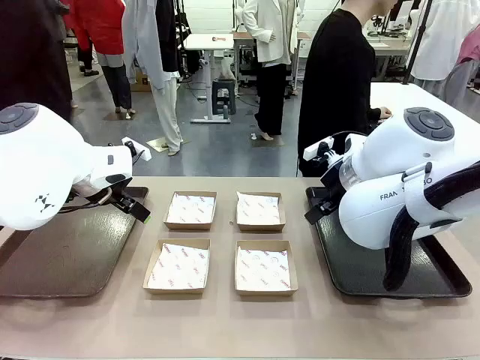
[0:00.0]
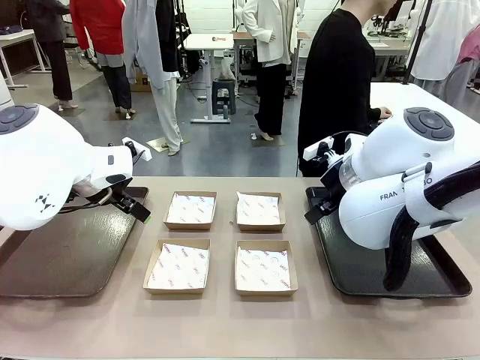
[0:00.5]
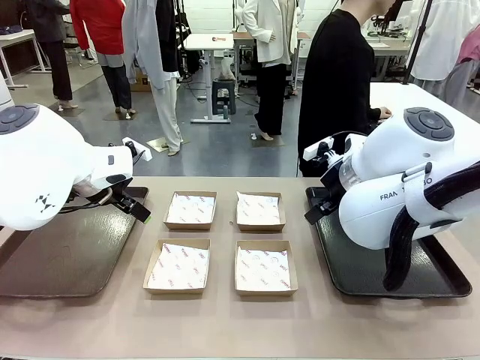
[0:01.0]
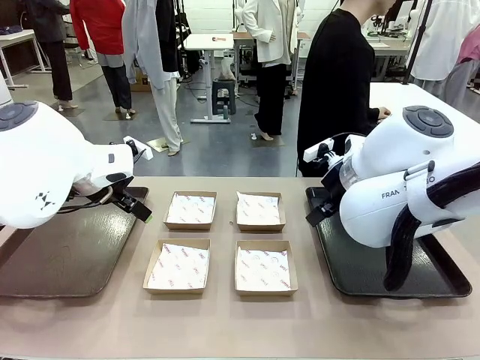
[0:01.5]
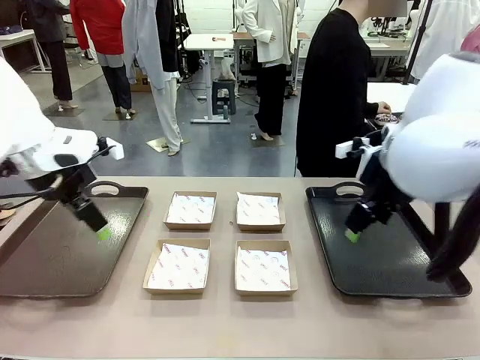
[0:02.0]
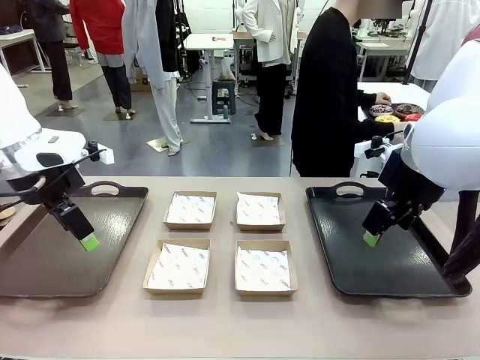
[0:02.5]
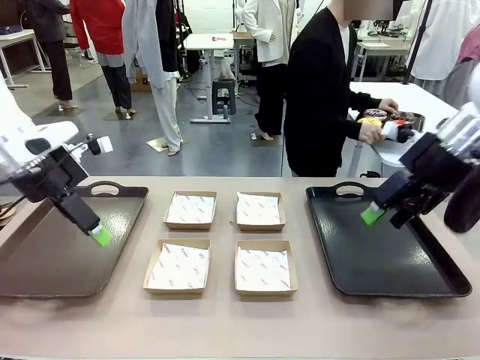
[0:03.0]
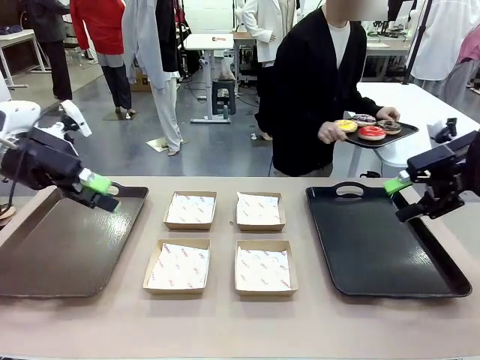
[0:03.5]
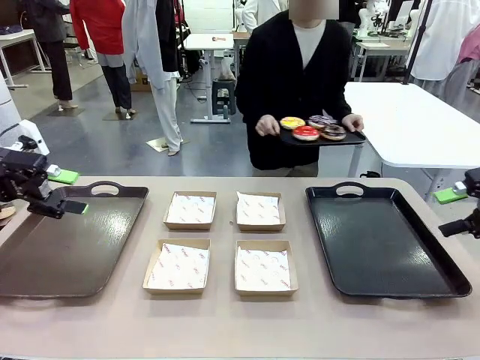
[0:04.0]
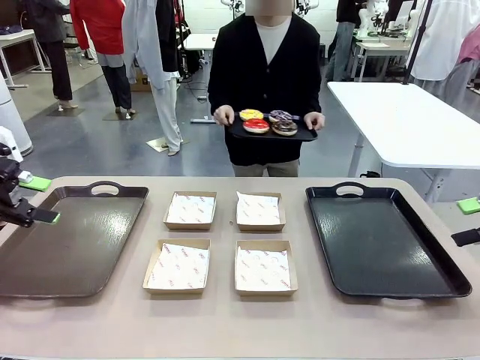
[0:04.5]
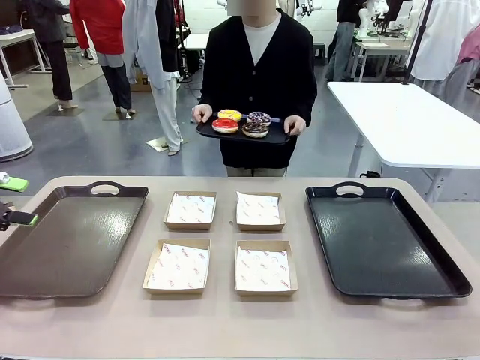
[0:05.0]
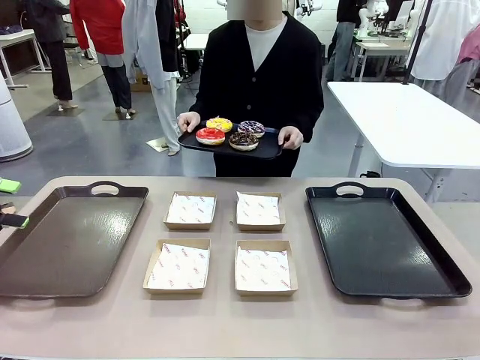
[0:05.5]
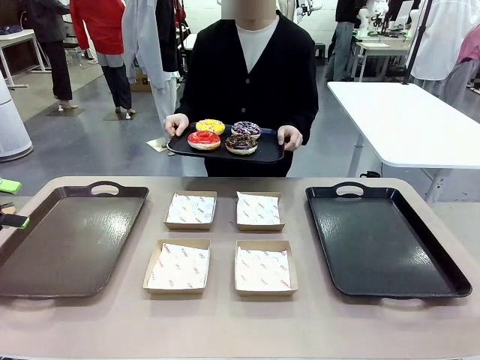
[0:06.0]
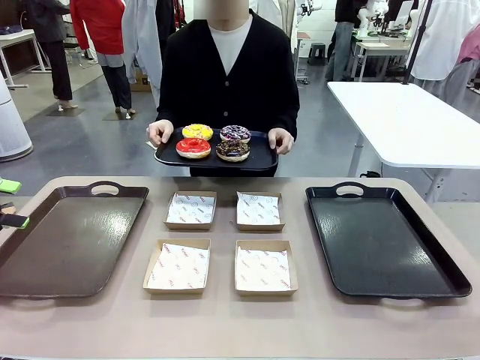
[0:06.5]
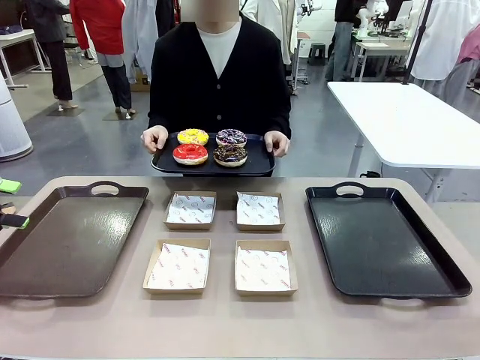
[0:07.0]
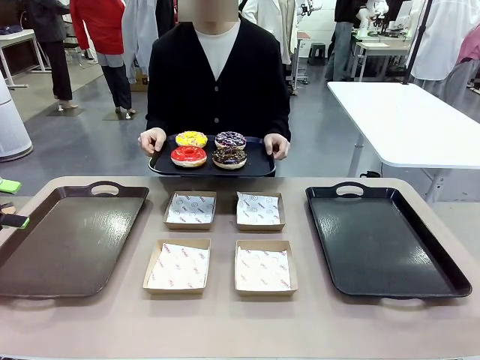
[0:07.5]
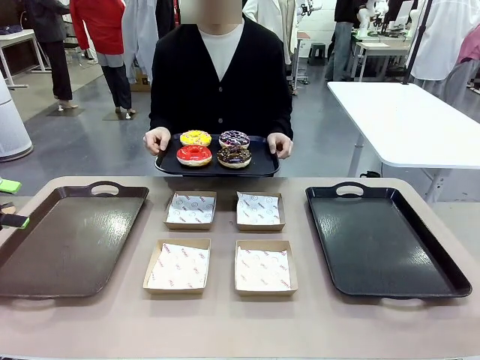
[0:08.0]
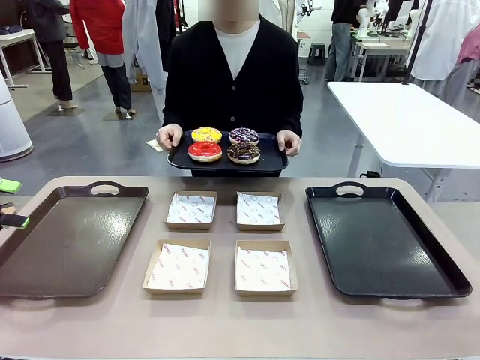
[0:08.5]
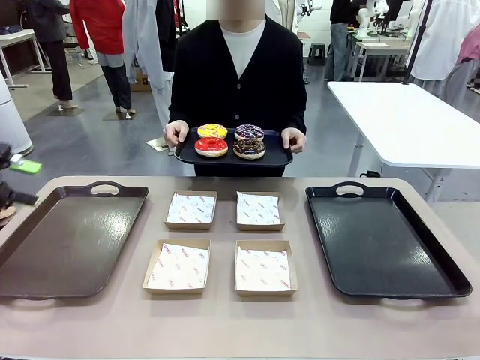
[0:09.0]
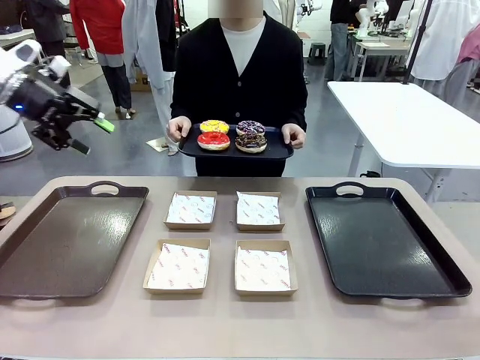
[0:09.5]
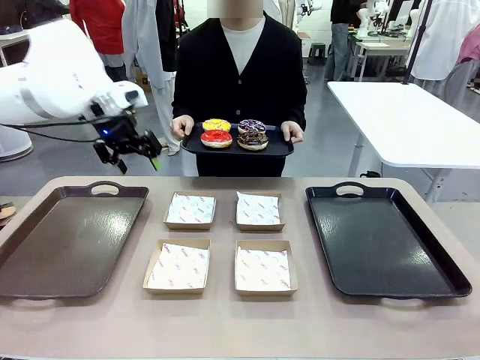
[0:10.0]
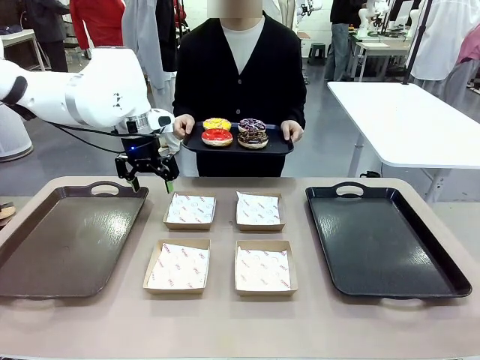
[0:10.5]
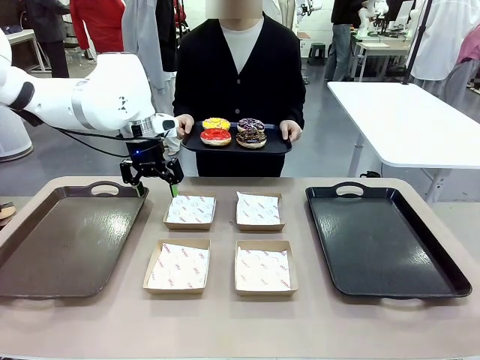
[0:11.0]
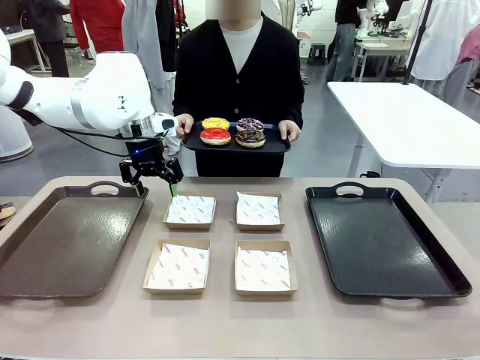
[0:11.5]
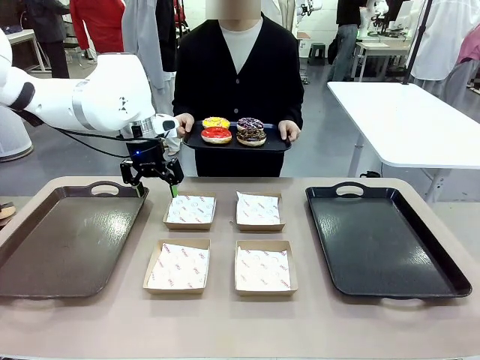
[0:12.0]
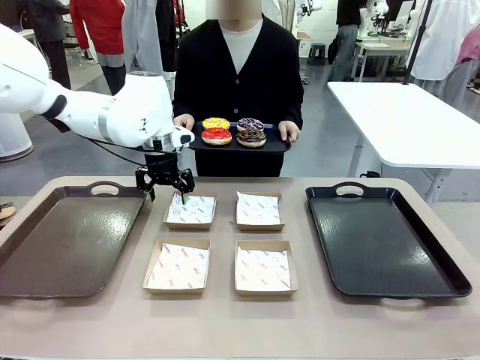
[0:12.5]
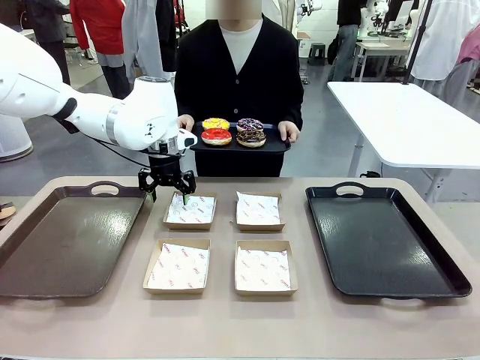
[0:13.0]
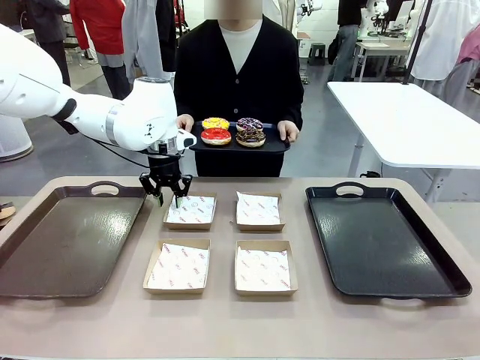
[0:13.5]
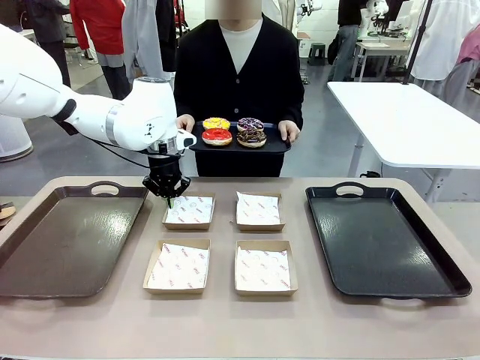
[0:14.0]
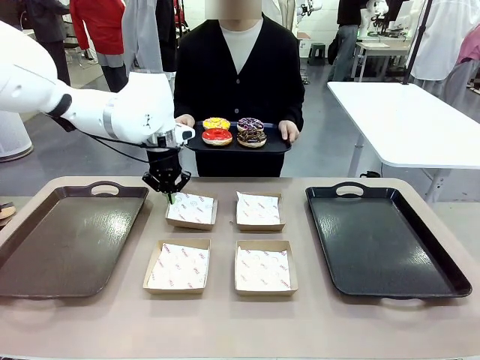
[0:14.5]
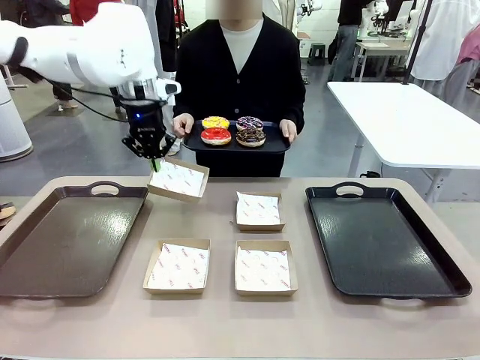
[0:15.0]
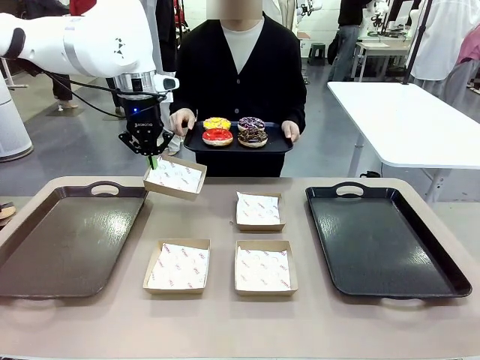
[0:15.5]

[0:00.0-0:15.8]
Task: Individually package the donuts and arrange them on the tray.
Robot: Pick up one Paper togo box.
Person: Stand in front of the robot table holding the tray containing the donuts.

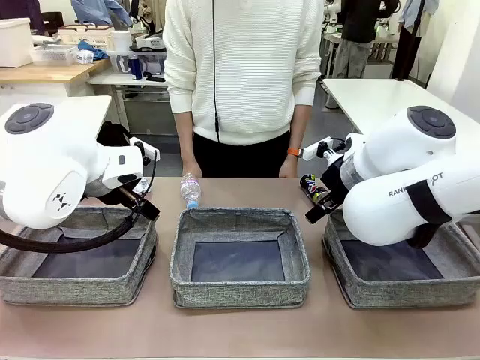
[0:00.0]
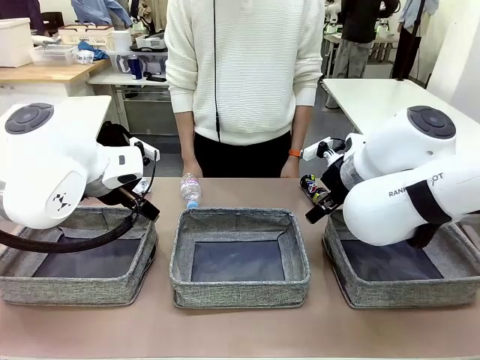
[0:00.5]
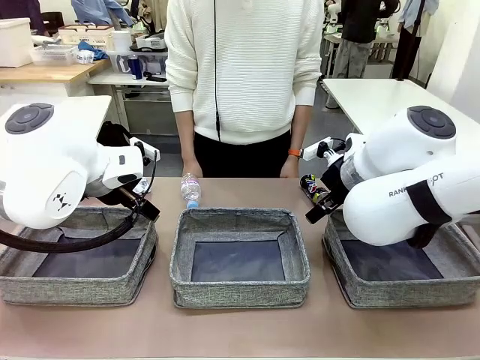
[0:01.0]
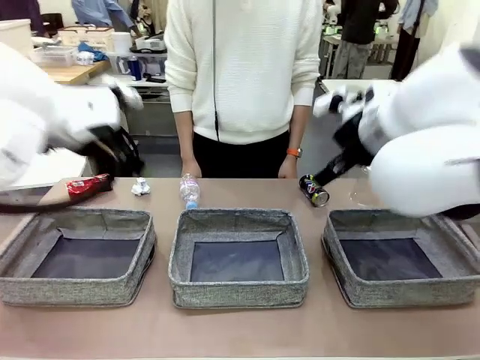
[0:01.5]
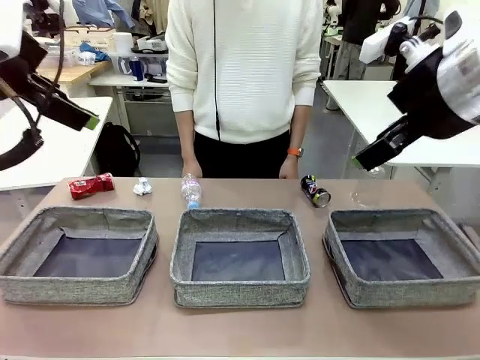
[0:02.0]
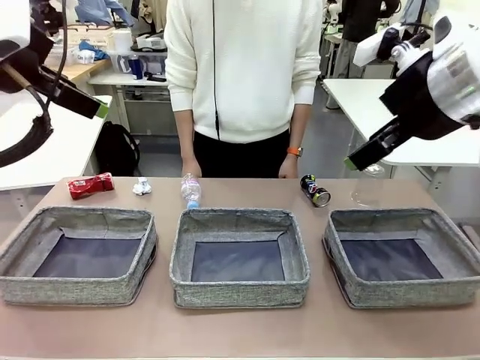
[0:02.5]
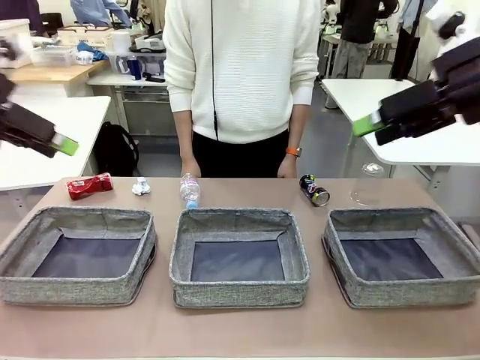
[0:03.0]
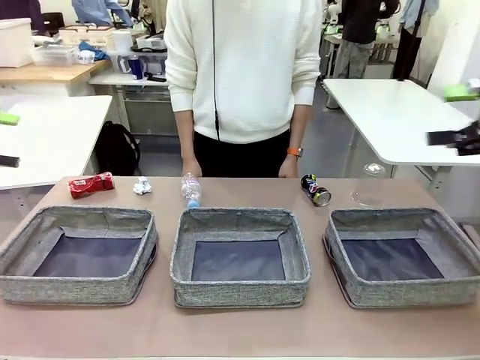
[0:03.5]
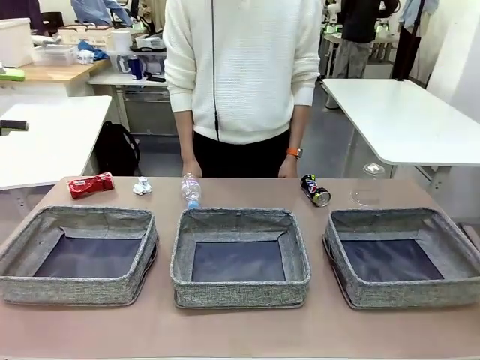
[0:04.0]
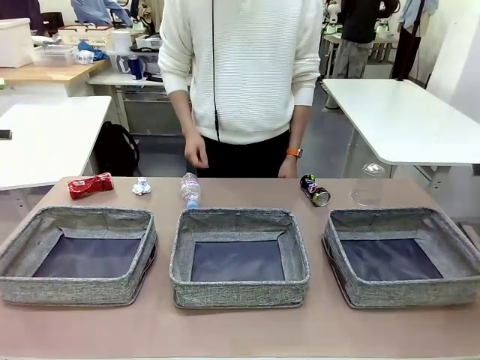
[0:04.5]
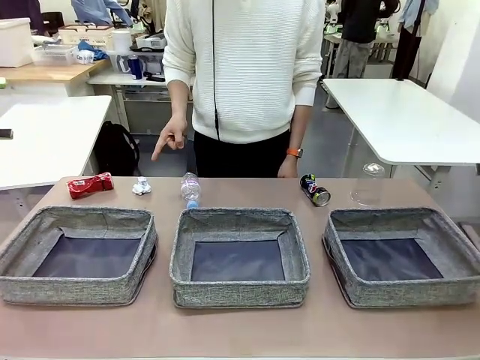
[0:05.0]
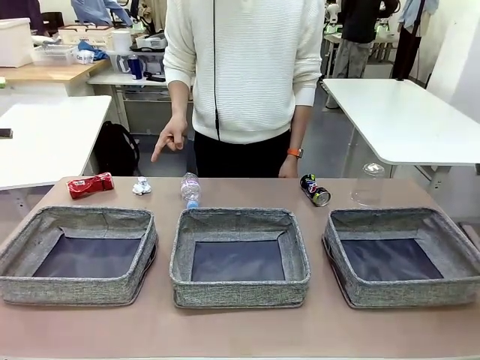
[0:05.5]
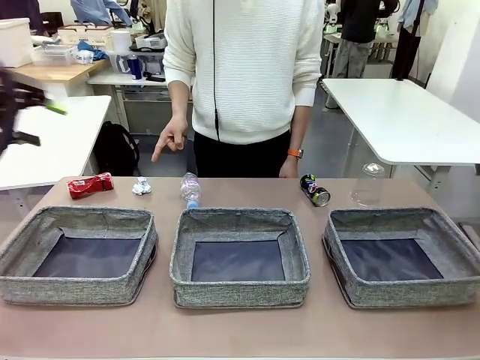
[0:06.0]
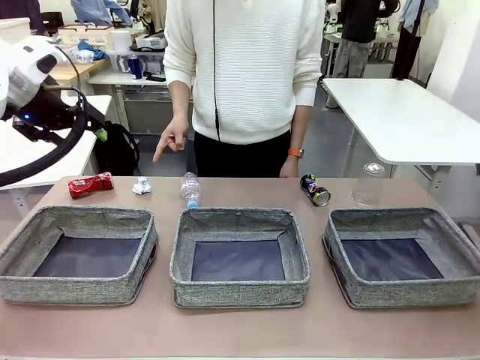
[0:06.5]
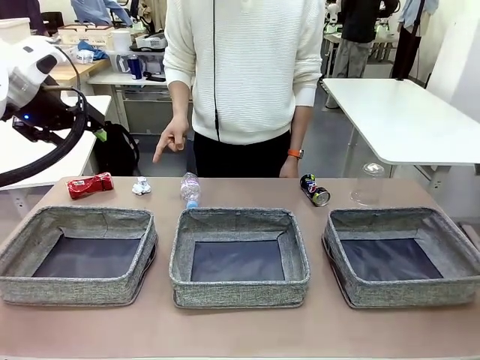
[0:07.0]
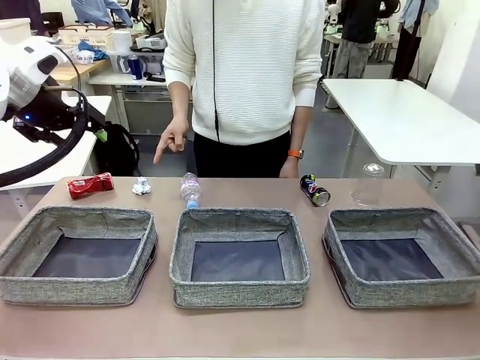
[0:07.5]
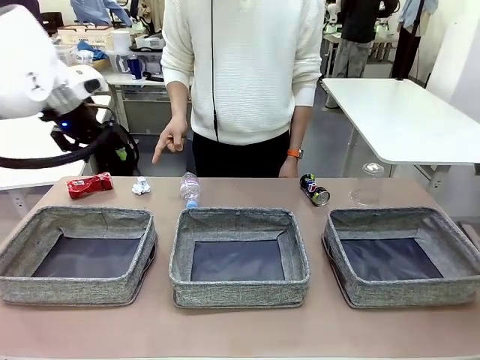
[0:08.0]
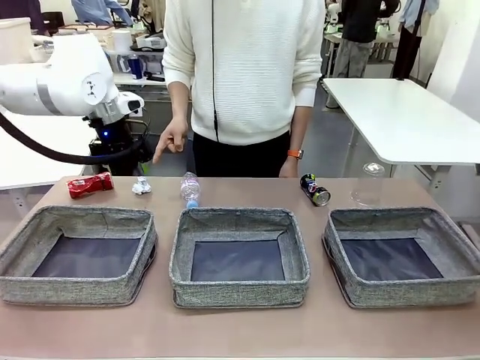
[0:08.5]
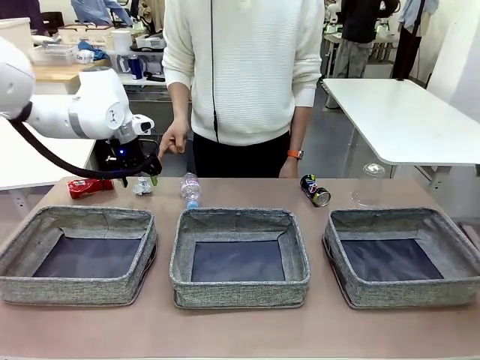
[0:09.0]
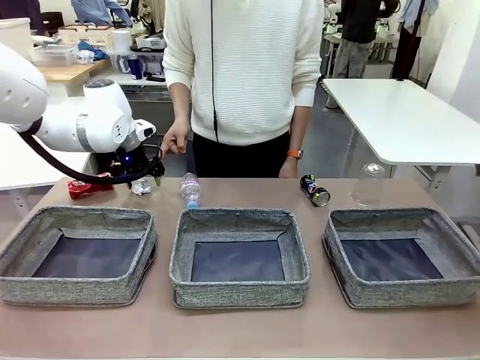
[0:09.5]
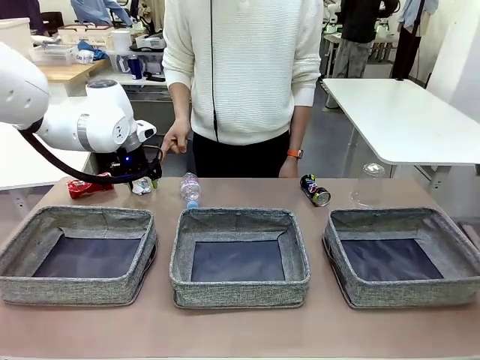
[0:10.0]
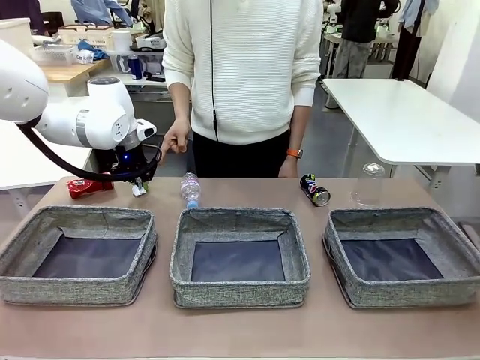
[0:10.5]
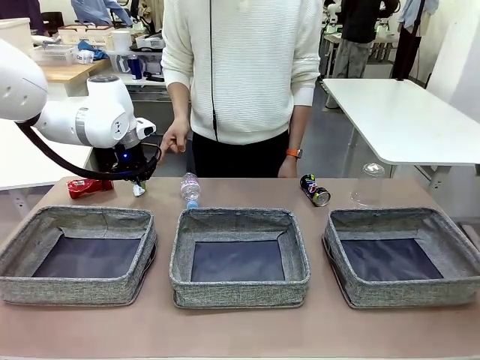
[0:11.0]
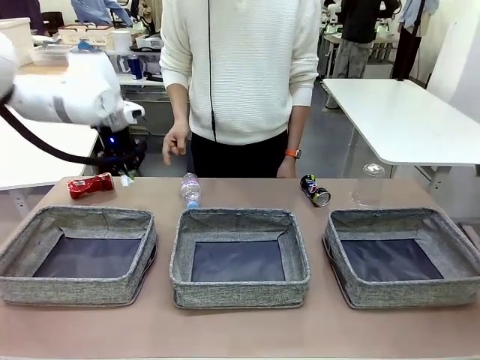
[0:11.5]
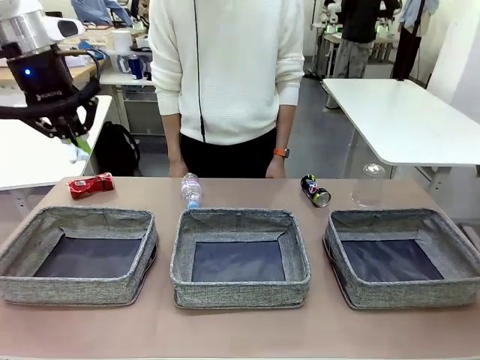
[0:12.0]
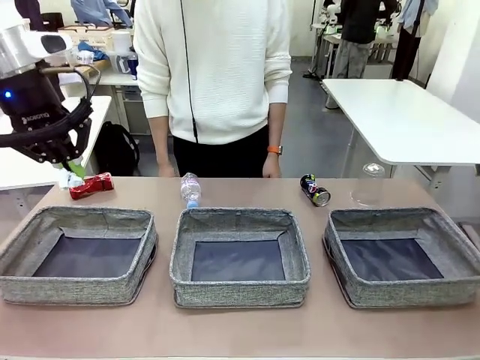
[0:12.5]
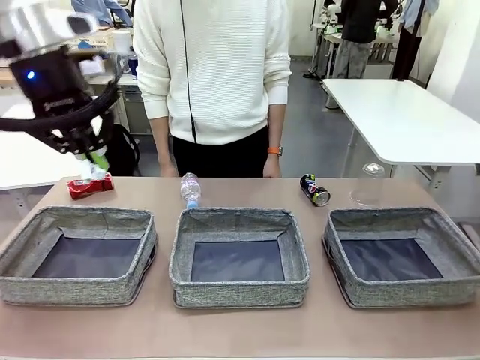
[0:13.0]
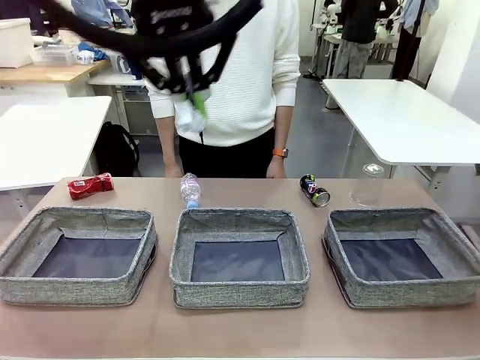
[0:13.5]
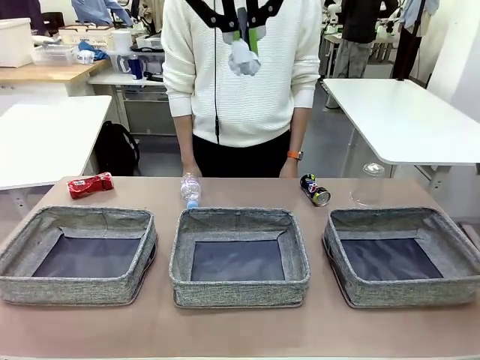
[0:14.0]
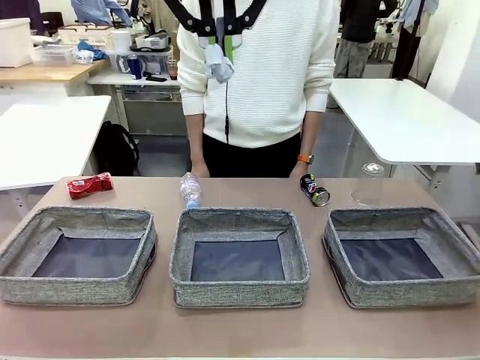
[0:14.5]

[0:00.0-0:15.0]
Task: Sort the waste into the appropriate baskets.
Robot: Pick up the waste item pointed out by the person.
Person: Points to one piece of trash on the table.
